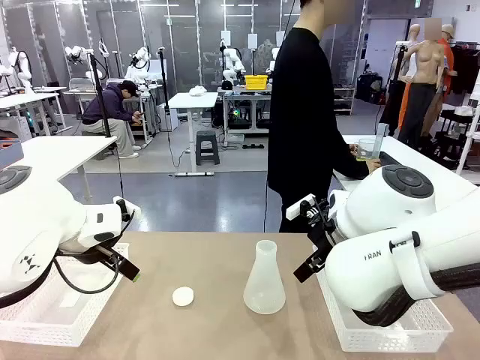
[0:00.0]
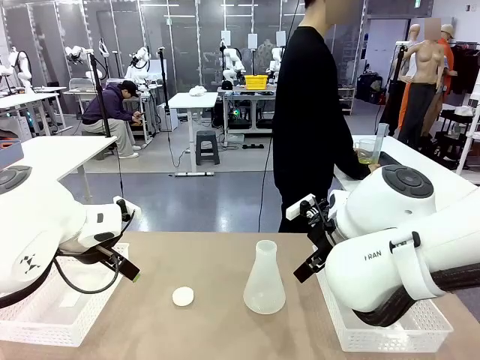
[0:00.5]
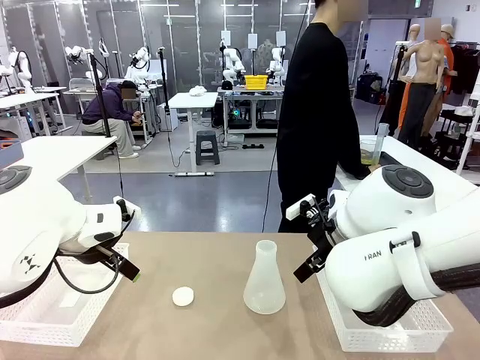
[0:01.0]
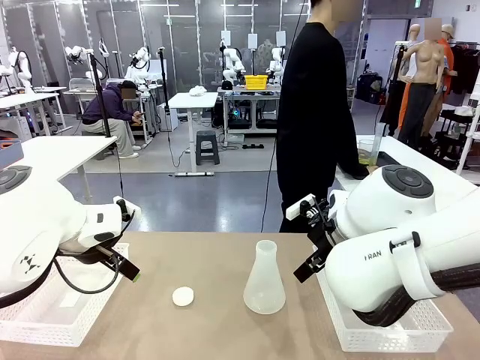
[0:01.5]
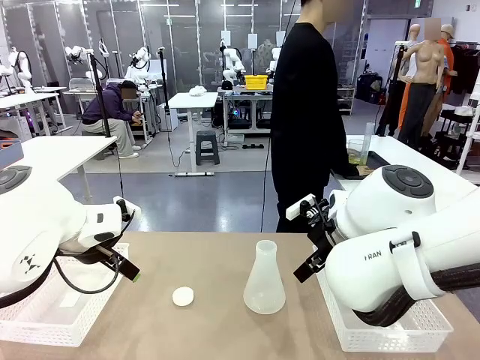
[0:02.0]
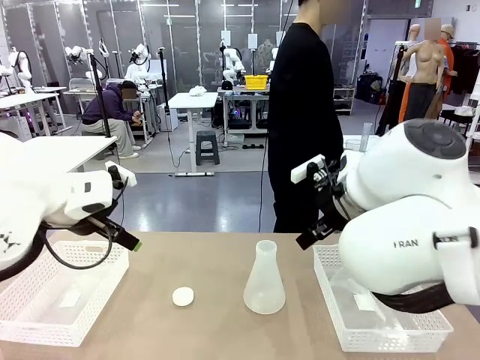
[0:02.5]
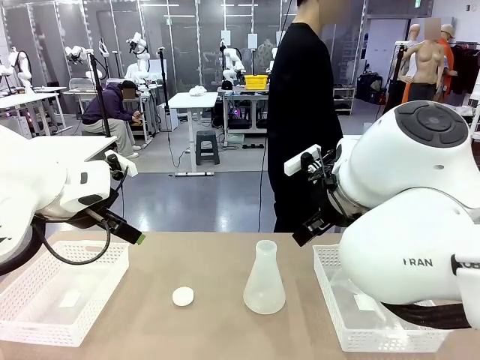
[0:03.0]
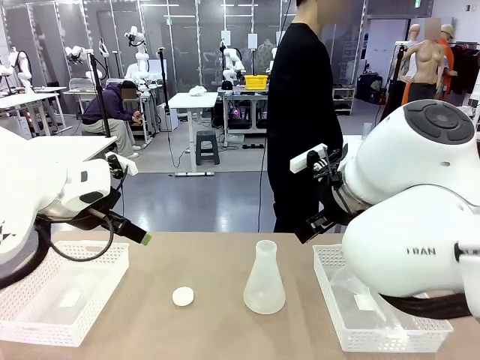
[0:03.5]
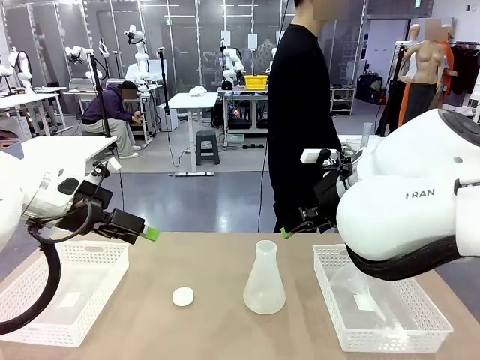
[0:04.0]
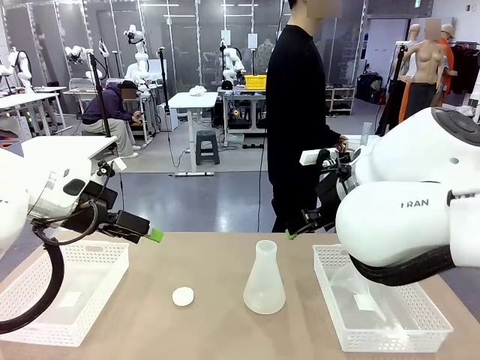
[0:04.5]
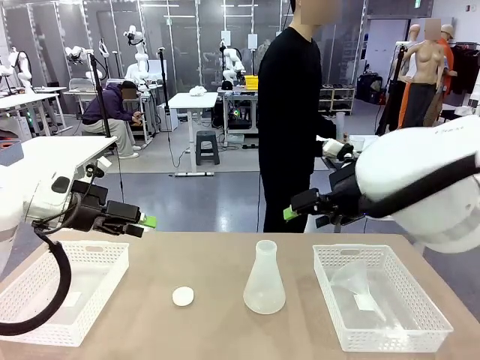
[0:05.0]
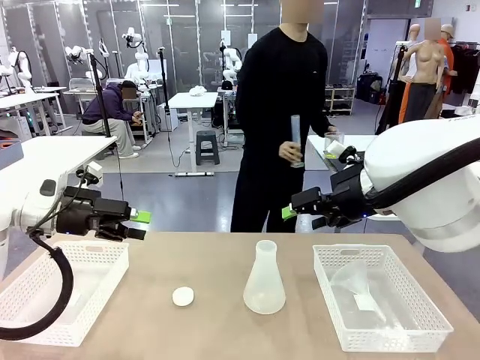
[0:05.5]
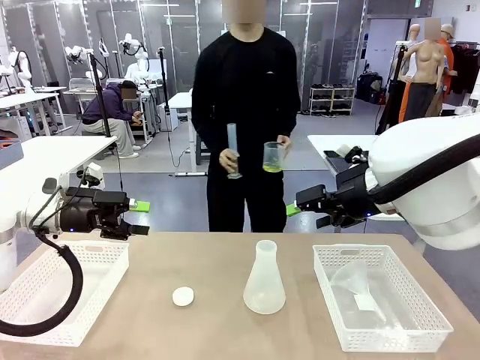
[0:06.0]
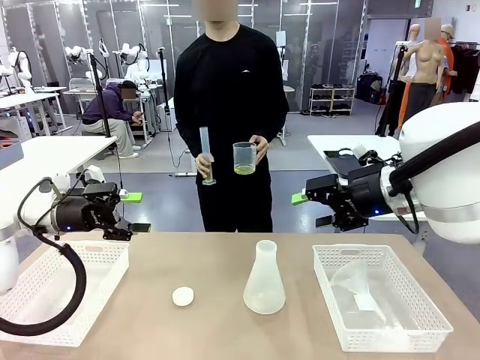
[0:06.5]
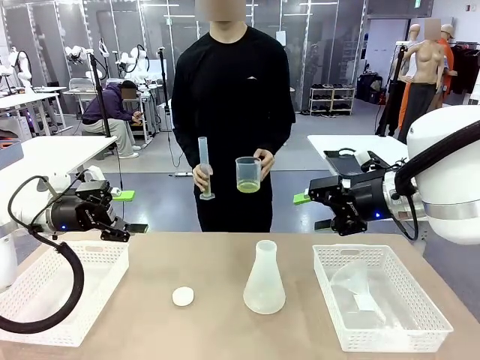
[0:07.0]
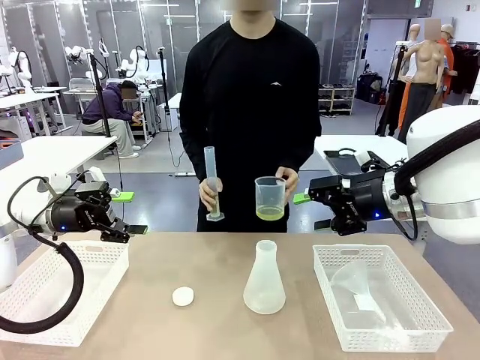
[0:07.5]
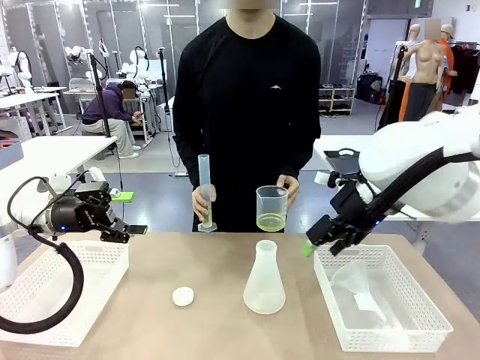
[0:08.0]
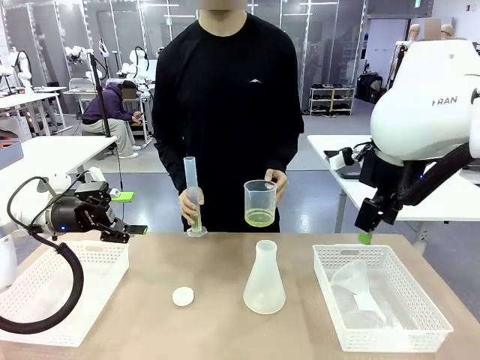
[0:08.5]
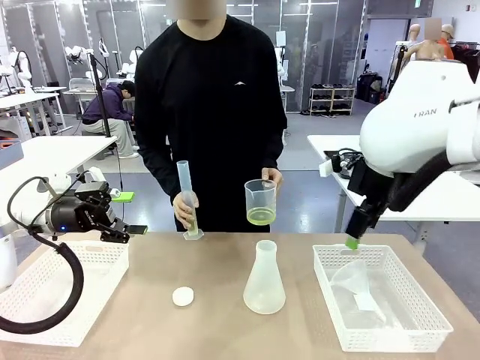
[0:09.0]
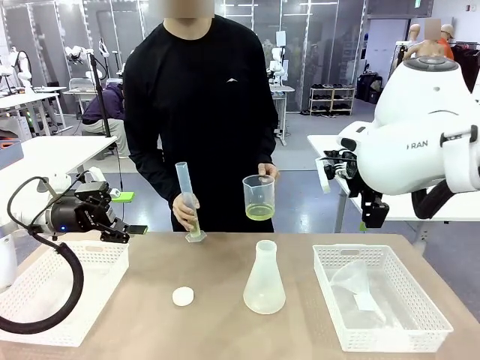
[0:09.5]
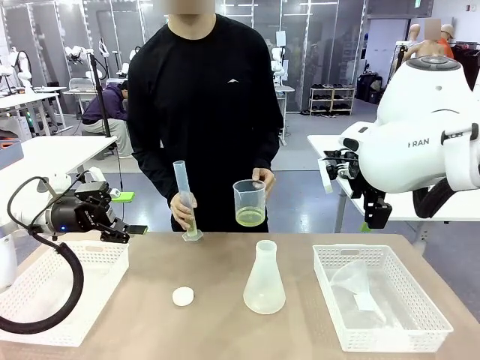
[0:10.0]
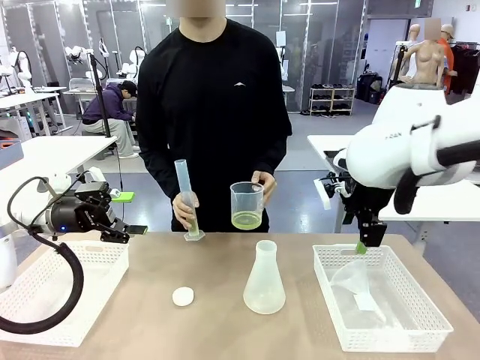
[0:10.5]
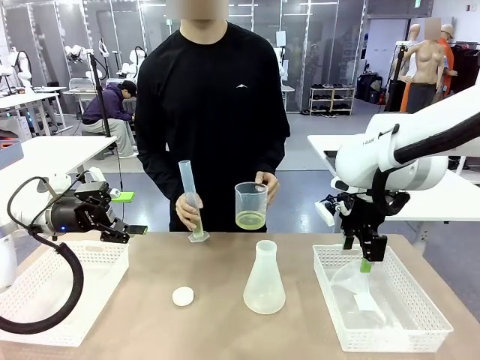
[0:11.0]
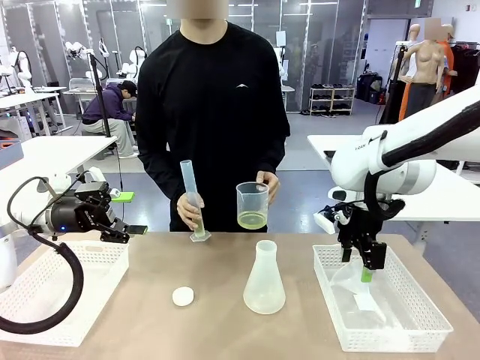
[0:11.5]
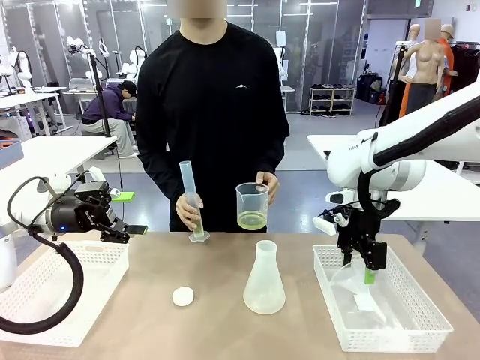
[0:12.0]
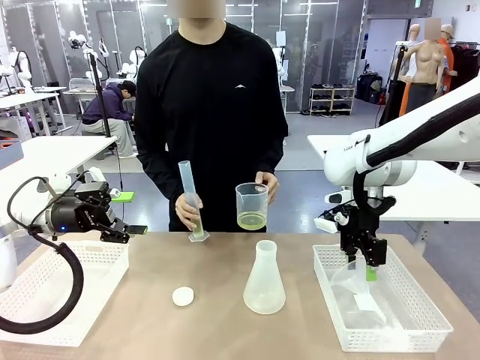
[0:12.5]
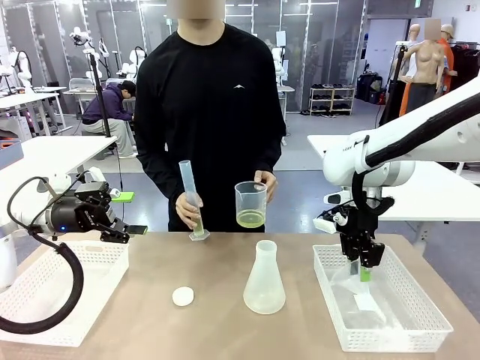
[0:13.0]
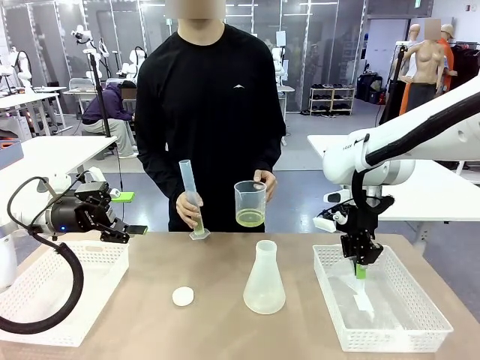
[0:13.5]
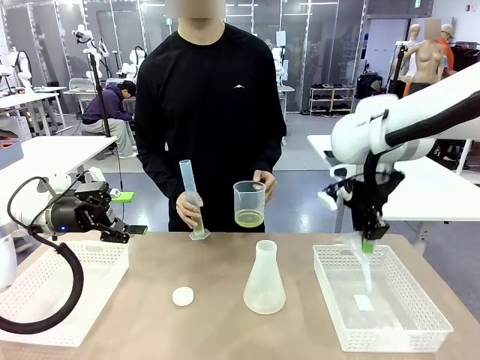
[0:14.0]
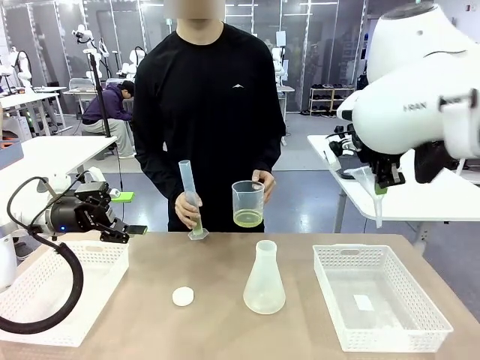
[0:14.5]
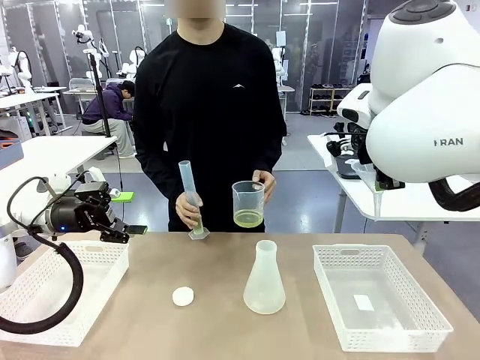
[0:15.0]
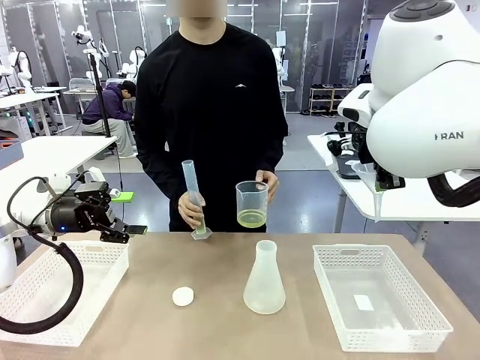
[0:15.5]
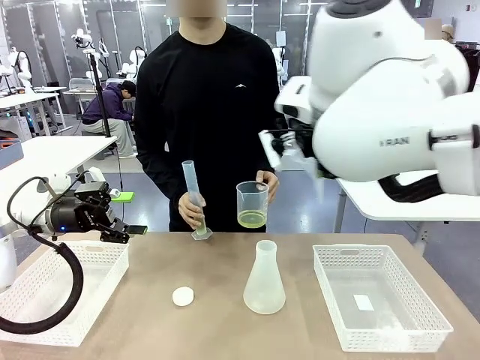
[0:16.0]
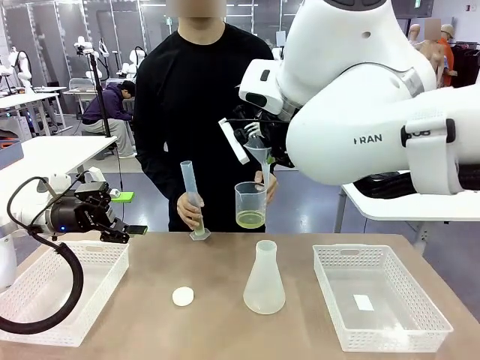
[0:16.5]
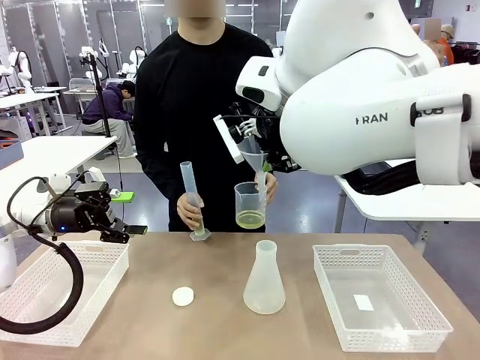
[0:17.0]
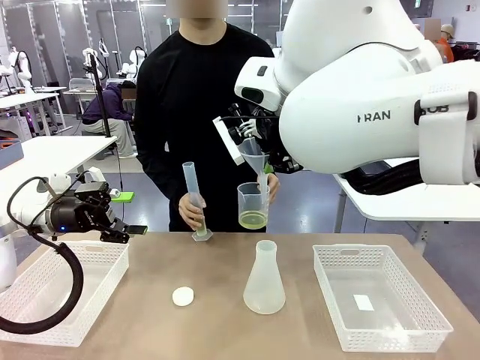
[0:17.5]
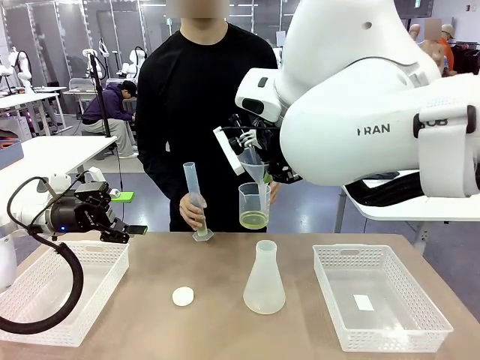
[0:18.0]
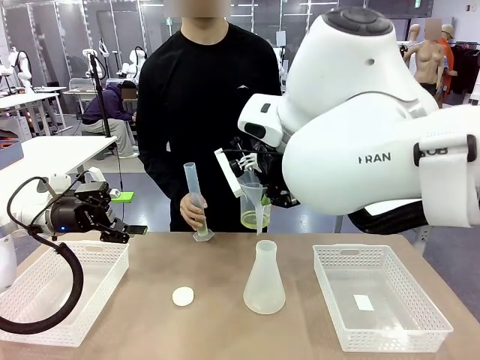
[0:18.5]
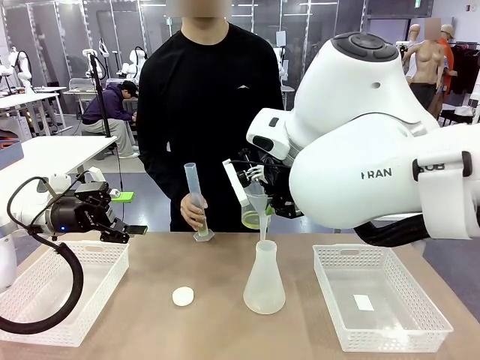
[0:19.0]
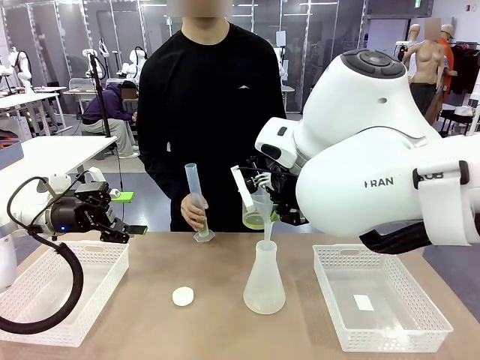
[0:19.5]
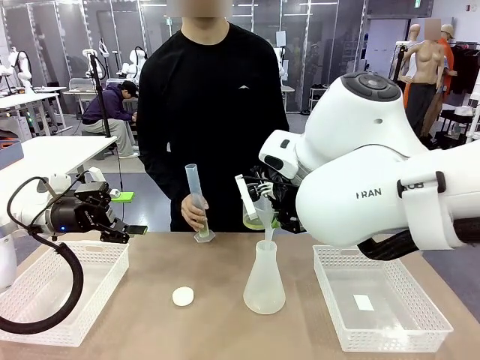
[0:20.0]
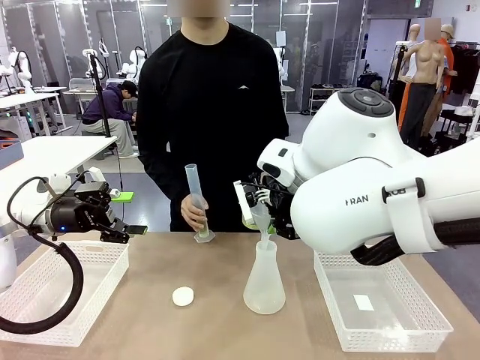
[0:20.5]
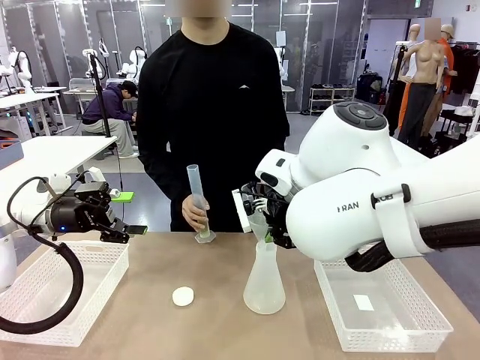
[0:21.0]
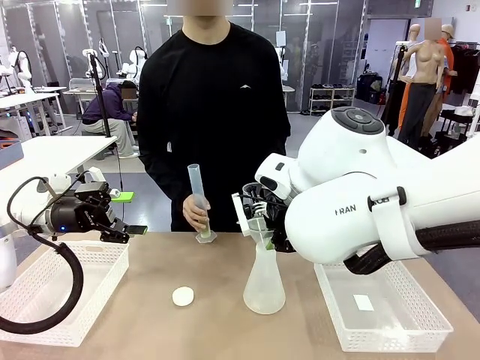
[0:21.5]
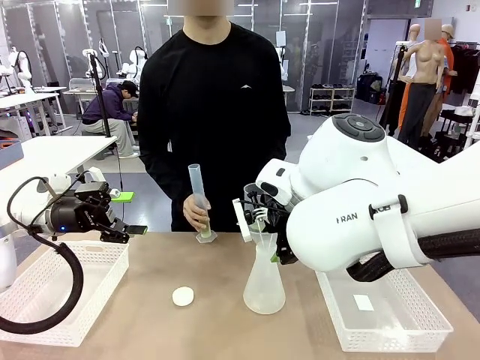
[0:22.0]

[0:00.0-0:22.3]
Task: Prepare the solutions needed for the experiment.
Robot: Pick up the Plastic Funnel and insert it into the Big flask.
Person: Pick up the beaker and the cylinder and move to the middle of the robot table. Pour the solution from the beaker and the cylinder into the flask.
